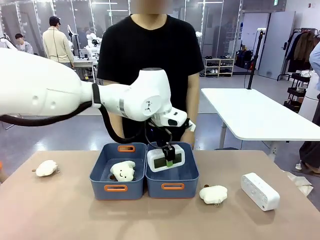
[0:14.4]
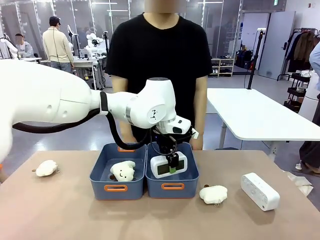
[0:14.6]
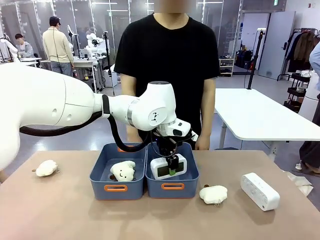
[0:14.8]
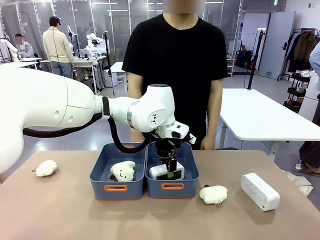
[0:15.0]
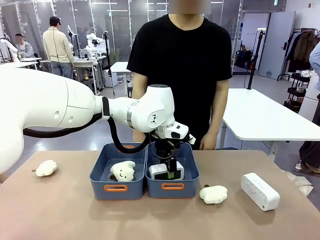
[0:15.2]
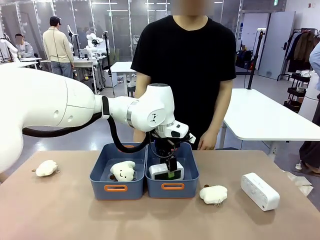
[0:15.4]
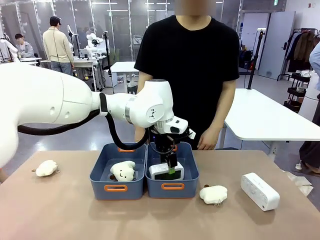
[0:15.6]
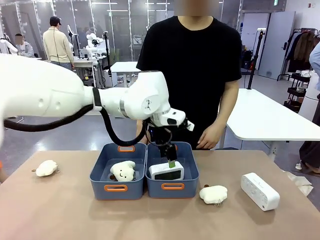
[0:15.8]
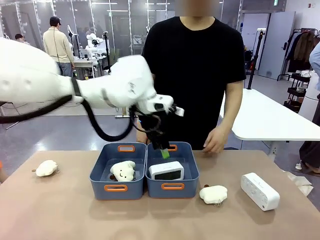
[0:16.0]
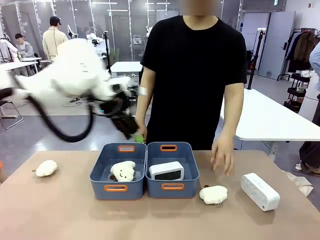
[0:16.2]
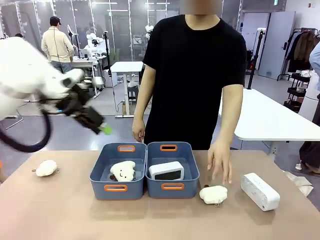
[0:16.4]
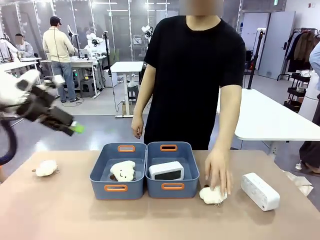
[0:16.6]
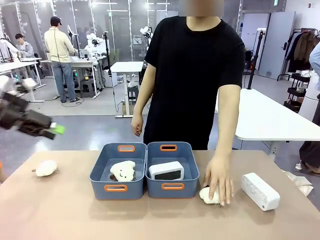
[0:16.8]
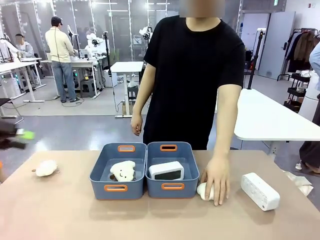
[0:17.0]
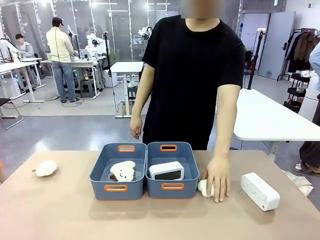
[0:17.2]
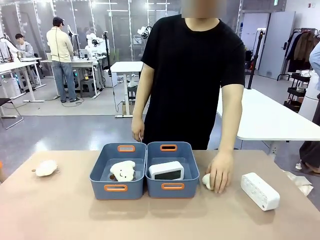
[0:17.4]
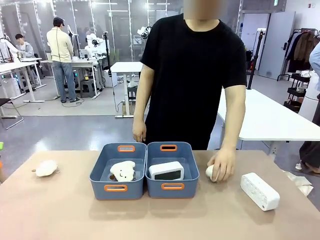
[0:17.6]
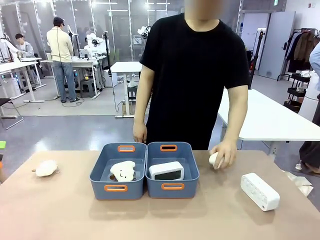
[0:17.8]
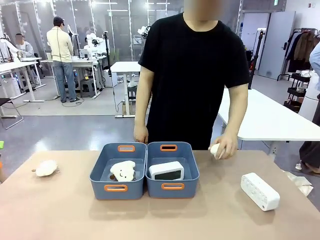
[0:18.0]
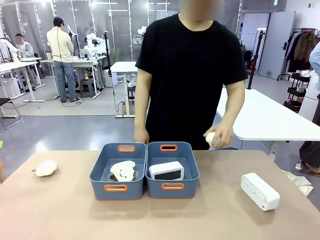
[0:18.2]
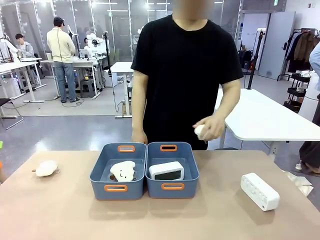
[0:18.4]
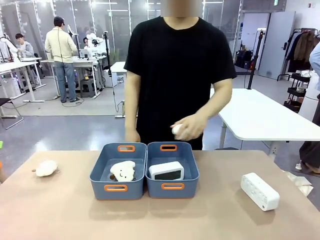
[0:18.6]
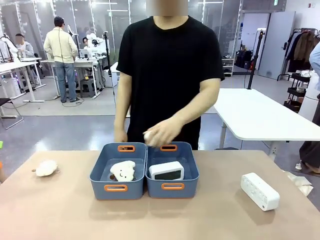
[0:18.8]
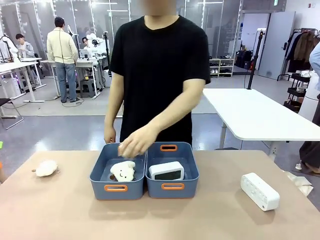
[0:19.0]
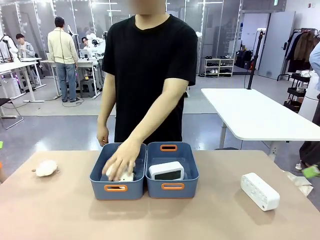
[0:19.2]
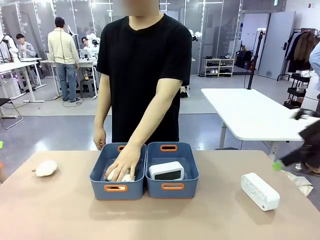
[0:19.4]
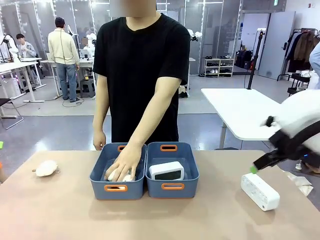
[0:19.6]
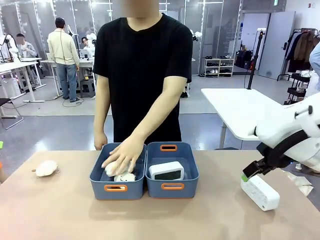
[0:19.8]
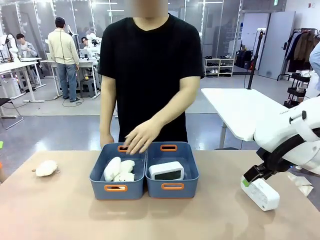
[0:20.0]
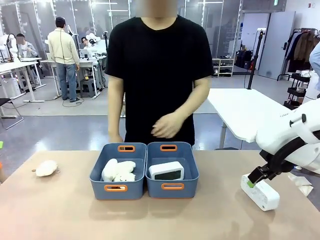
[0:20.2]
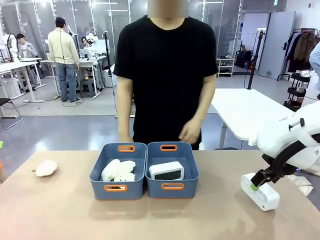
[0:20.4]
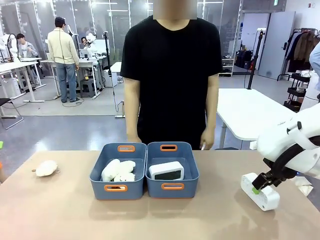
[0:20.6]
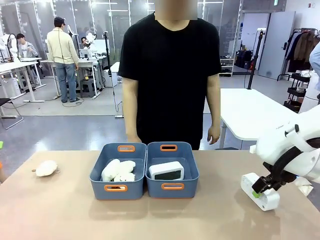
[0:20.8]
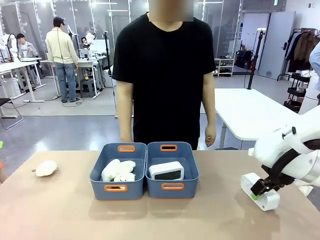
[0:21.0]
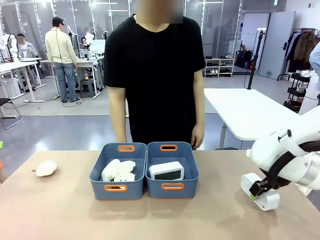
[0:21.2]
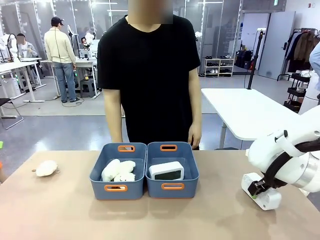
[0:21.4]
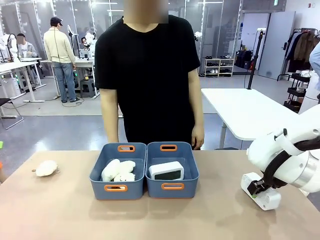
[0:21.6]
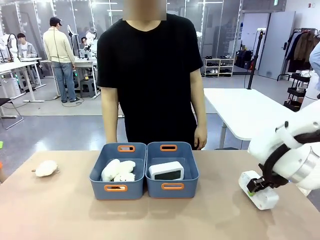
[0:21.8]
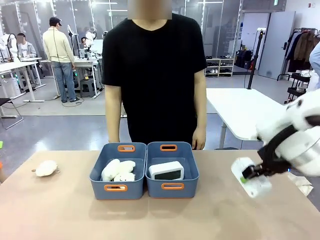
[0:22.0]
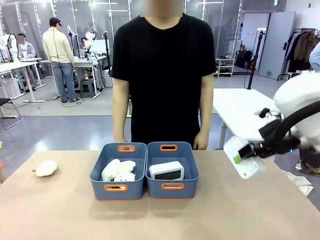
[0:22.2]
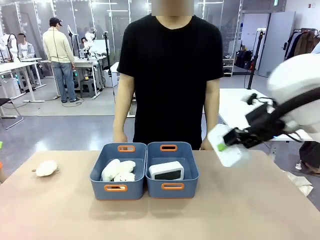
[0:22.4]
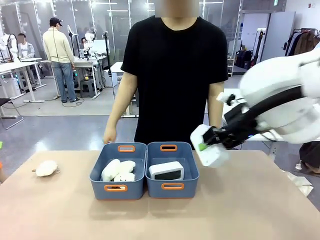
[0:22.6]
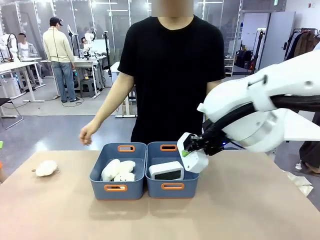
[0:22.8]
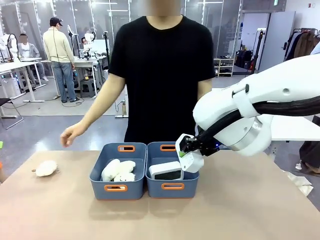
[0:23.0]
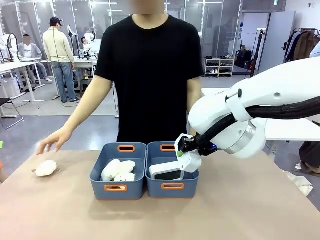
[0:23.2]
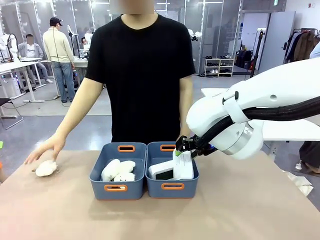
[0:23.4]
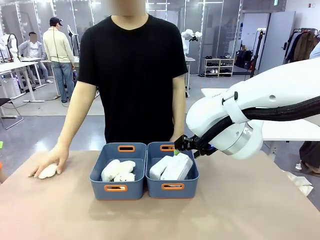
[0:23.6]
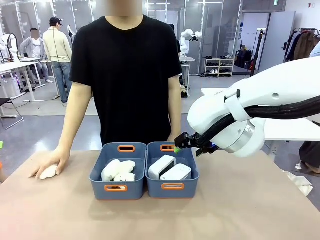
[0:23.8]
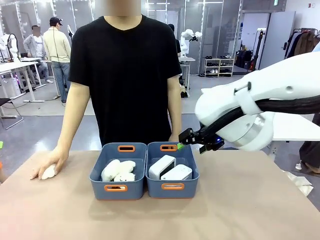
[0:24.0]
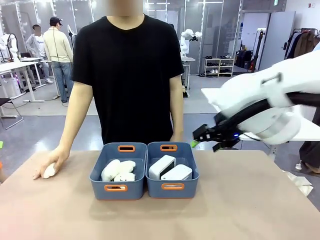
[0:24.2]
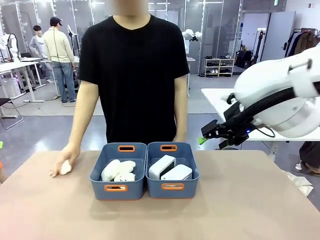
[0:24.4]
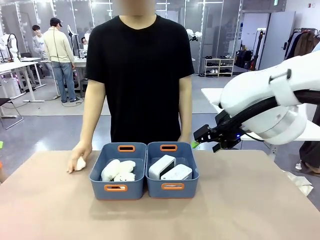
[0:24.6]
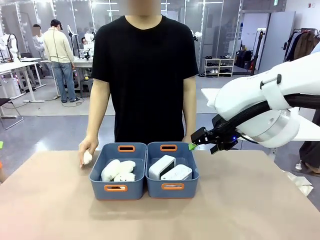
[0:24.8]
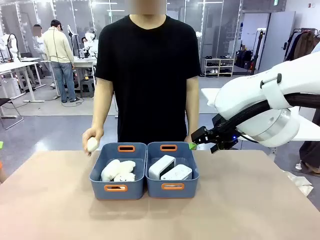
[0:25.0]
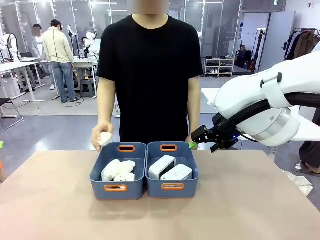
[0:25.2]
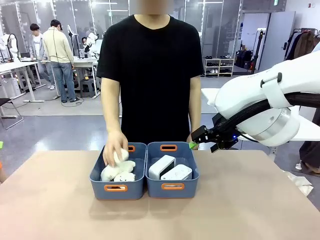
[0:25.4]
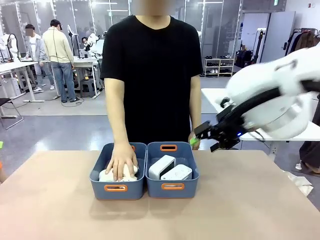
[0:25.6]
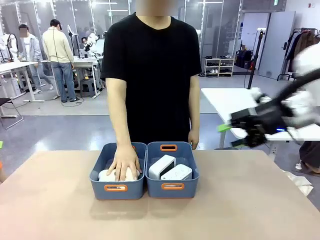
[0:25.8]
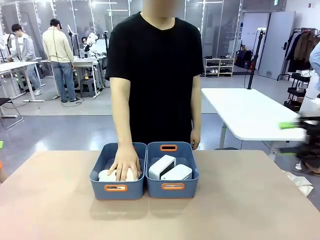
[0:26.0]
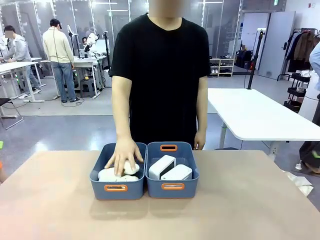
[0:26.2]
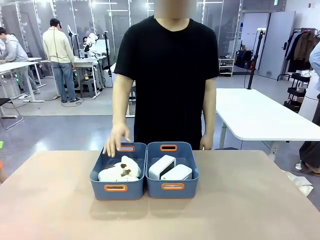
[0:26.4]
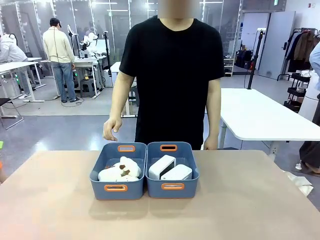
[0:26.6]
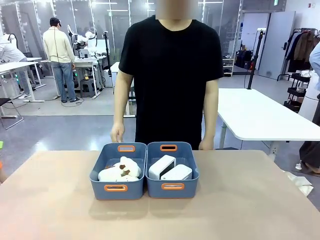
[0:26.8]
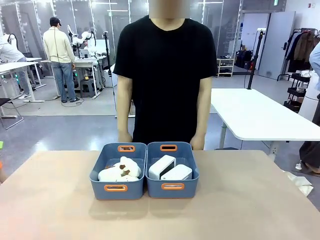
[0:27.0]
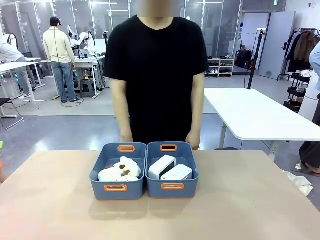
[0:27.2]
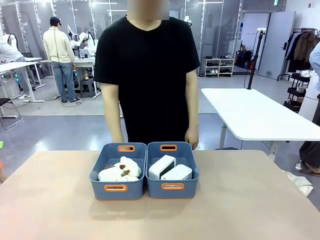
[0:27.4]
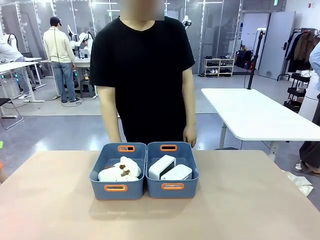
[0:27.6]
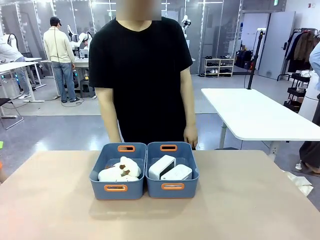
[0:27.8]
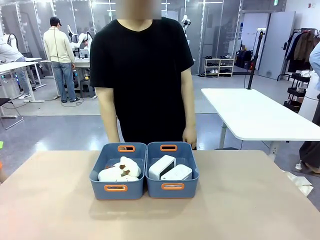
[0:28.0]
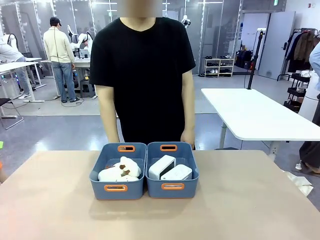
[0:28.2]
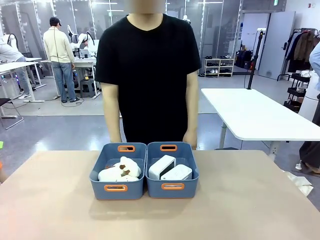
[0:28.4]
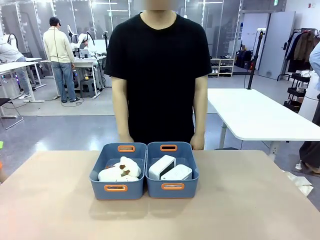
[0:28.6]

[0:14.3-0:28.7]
Task: Sort the digital clocks into the basket.
Robot: Pick up the Digital clock from the table and place it into the empty Plastic storage basket.
Person: Pick up a plush toy from the table and place it in the plastic storage basket containing the plush toy.
